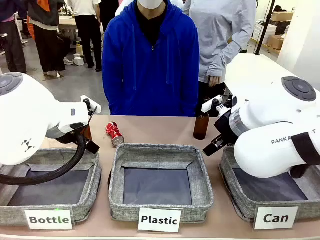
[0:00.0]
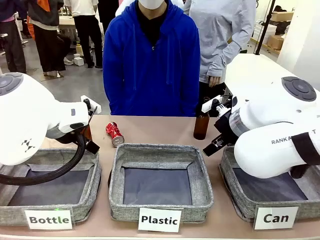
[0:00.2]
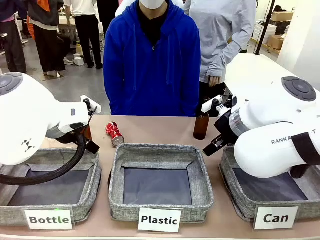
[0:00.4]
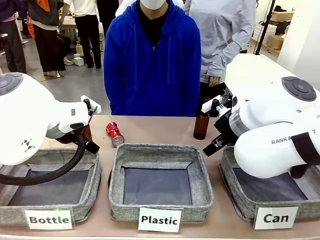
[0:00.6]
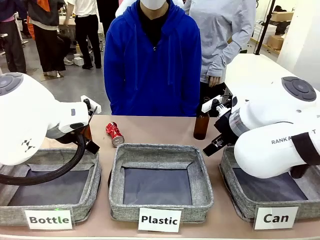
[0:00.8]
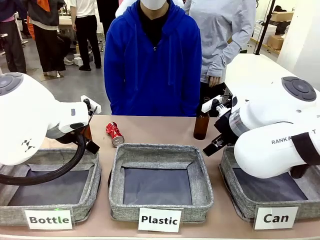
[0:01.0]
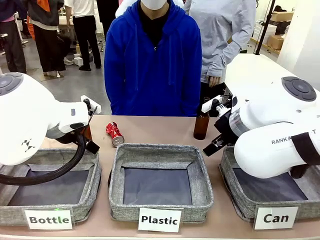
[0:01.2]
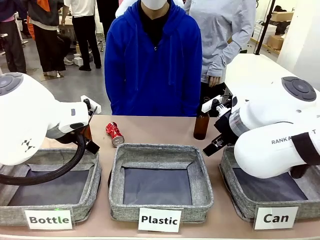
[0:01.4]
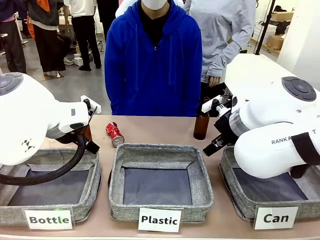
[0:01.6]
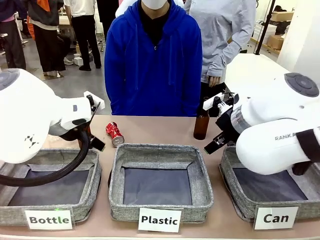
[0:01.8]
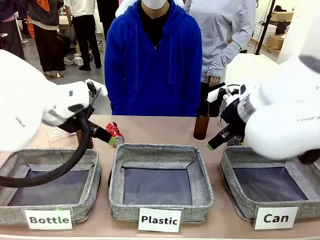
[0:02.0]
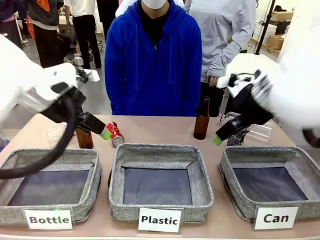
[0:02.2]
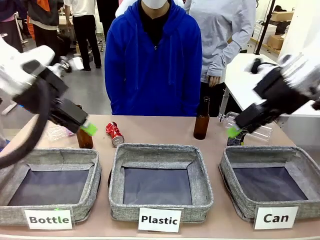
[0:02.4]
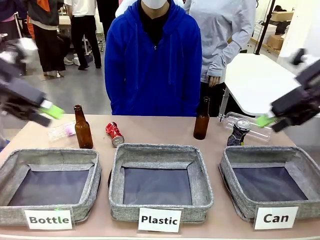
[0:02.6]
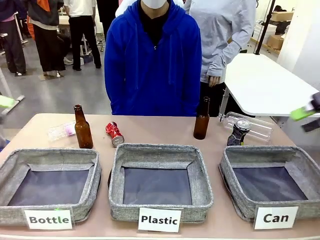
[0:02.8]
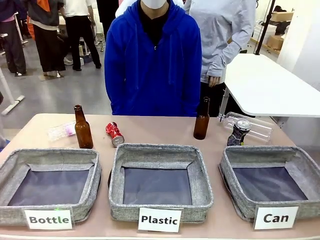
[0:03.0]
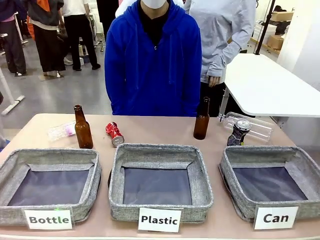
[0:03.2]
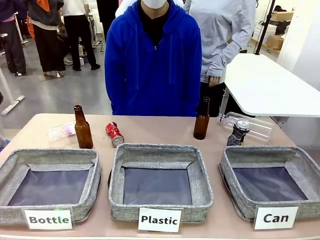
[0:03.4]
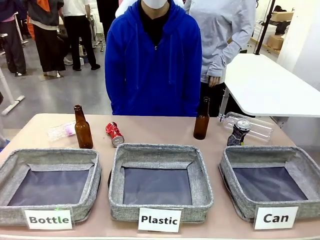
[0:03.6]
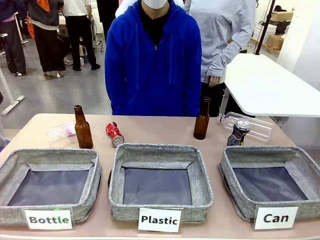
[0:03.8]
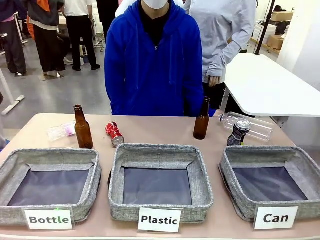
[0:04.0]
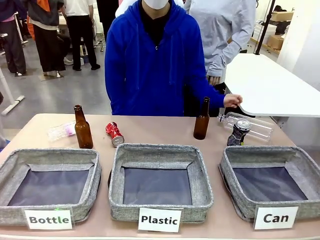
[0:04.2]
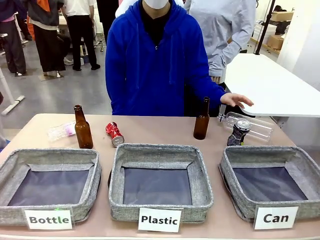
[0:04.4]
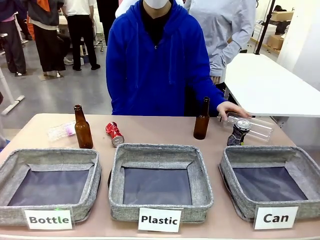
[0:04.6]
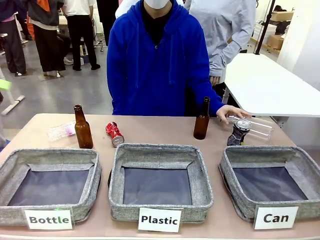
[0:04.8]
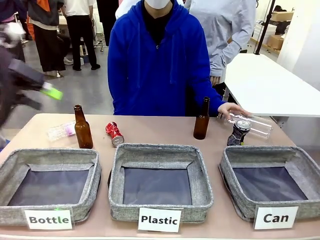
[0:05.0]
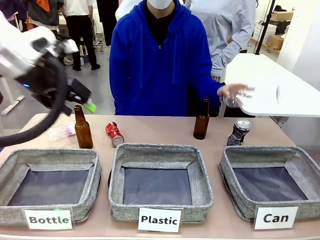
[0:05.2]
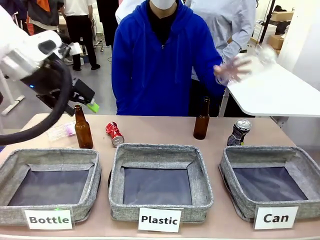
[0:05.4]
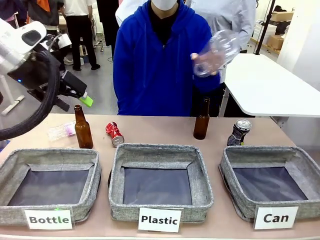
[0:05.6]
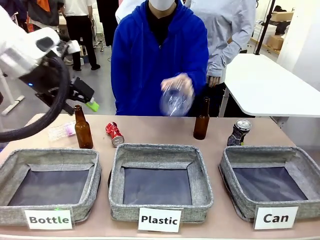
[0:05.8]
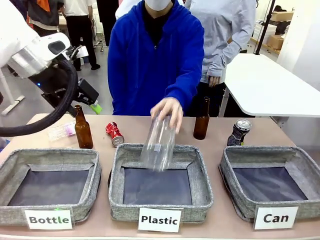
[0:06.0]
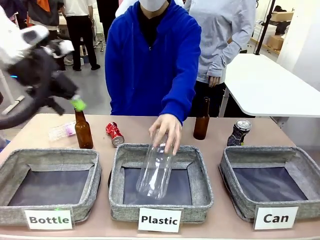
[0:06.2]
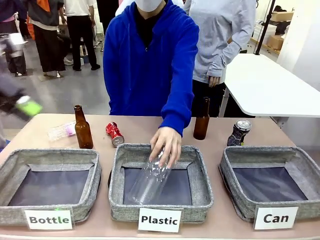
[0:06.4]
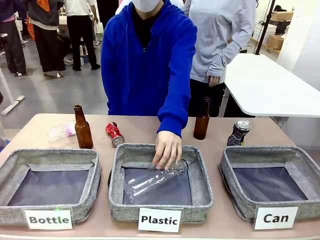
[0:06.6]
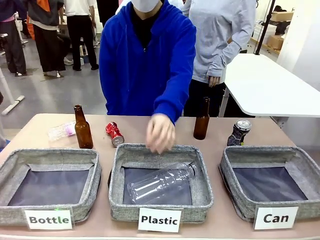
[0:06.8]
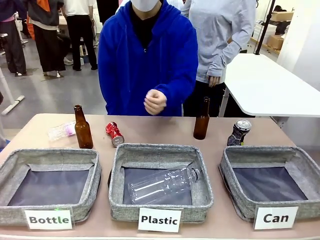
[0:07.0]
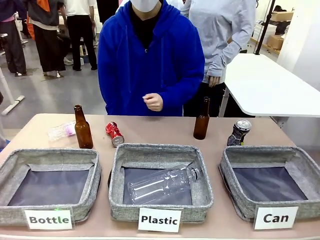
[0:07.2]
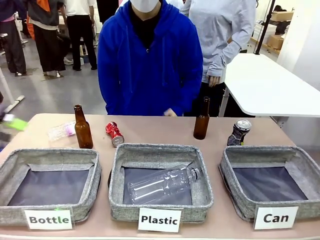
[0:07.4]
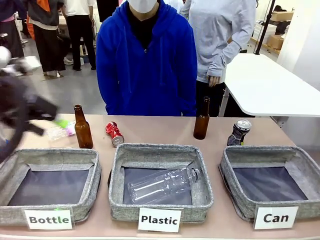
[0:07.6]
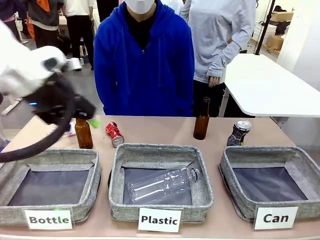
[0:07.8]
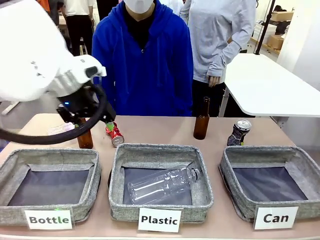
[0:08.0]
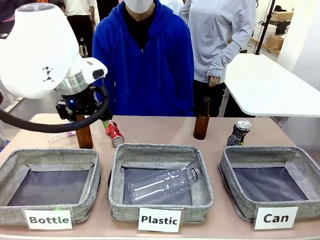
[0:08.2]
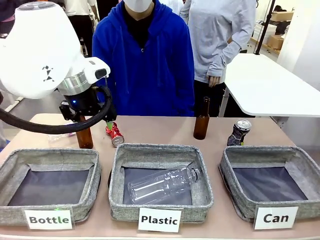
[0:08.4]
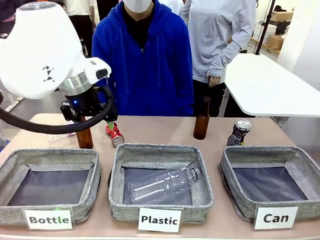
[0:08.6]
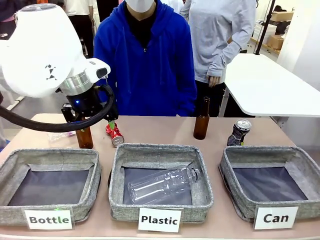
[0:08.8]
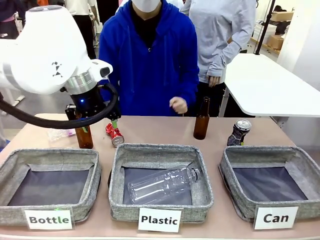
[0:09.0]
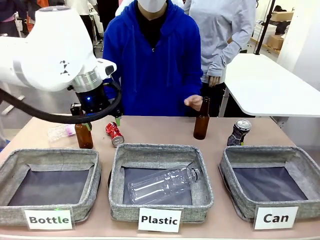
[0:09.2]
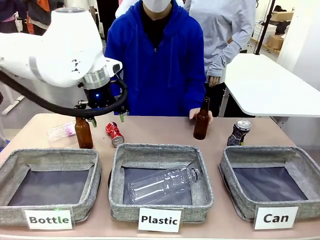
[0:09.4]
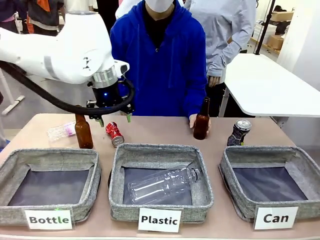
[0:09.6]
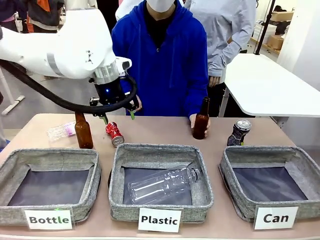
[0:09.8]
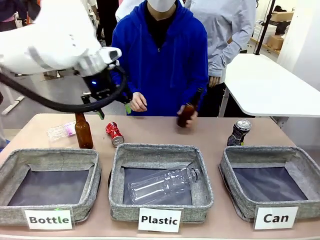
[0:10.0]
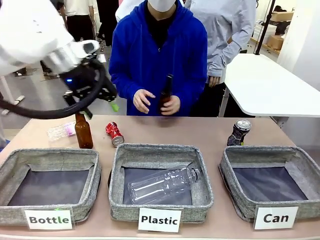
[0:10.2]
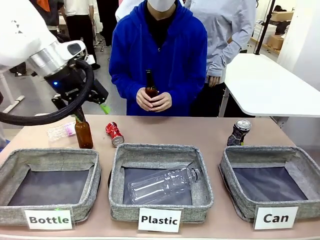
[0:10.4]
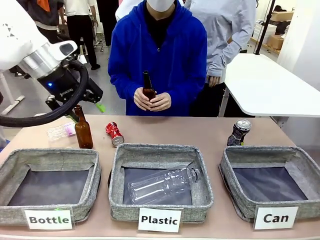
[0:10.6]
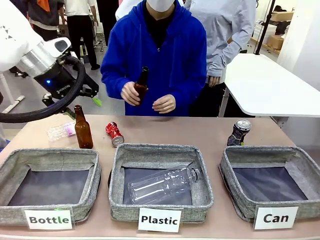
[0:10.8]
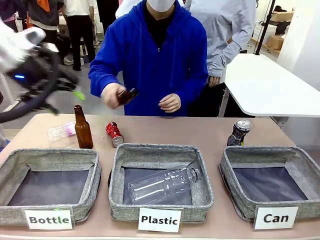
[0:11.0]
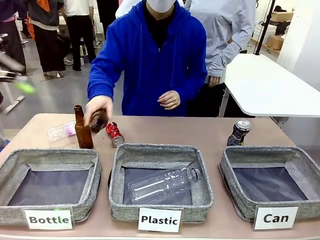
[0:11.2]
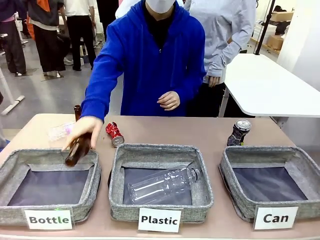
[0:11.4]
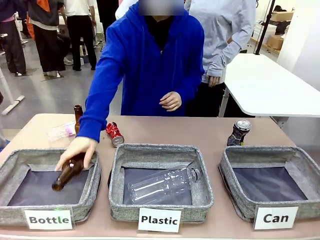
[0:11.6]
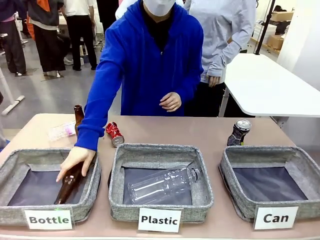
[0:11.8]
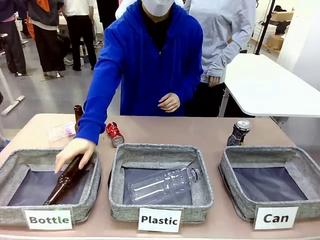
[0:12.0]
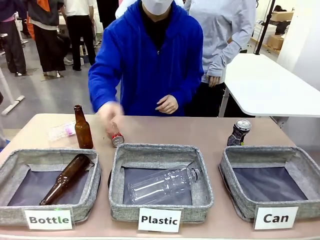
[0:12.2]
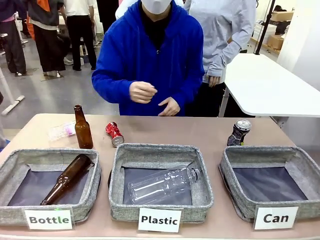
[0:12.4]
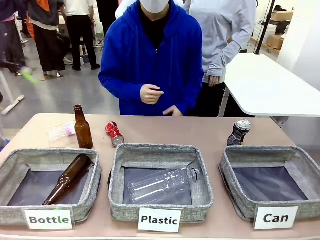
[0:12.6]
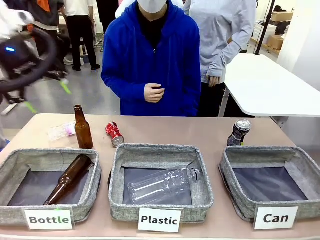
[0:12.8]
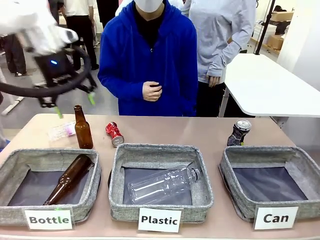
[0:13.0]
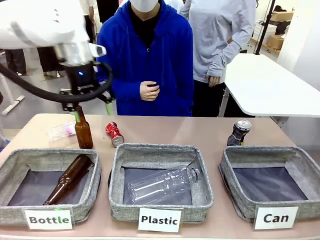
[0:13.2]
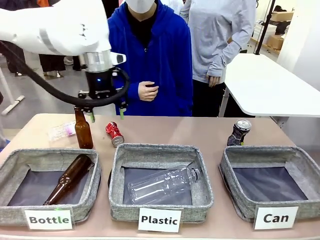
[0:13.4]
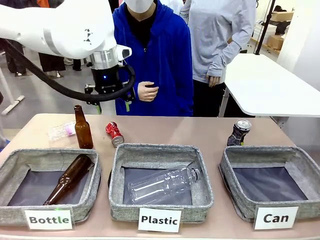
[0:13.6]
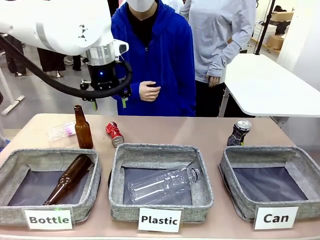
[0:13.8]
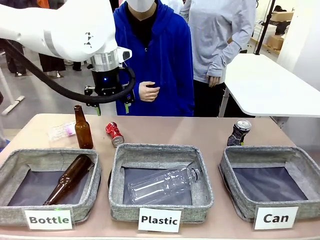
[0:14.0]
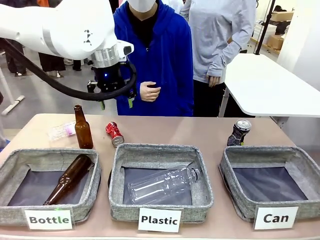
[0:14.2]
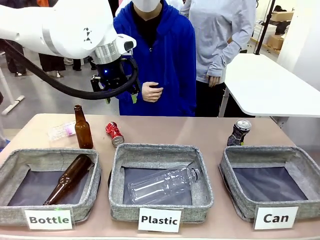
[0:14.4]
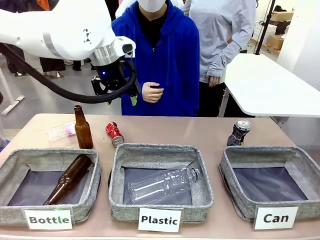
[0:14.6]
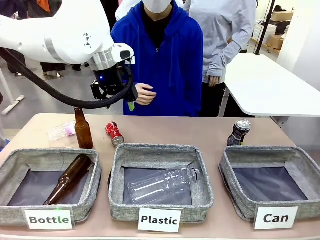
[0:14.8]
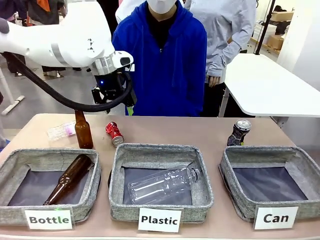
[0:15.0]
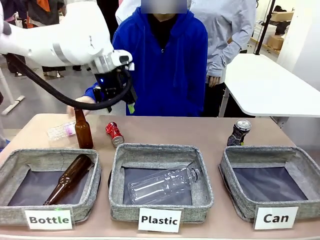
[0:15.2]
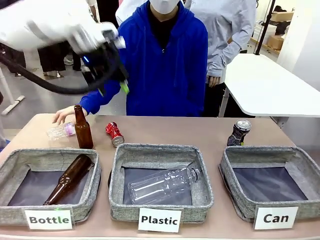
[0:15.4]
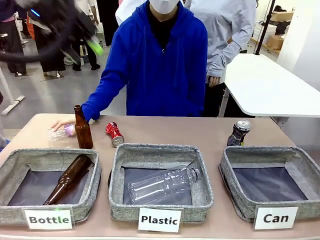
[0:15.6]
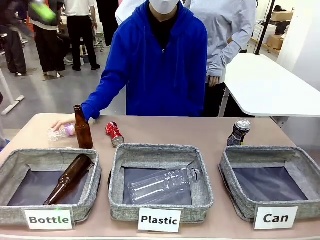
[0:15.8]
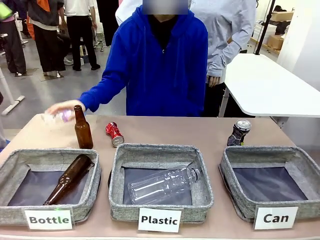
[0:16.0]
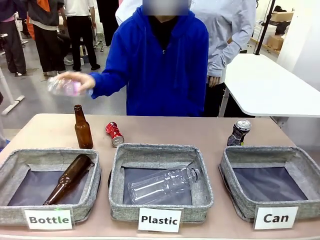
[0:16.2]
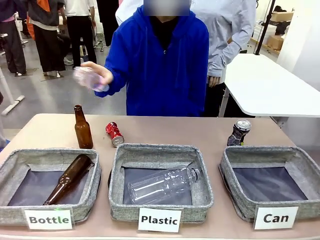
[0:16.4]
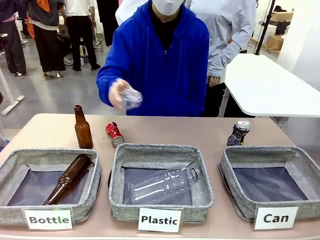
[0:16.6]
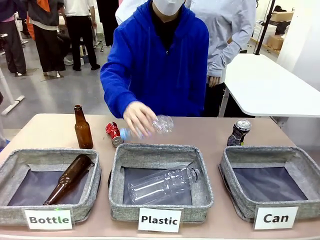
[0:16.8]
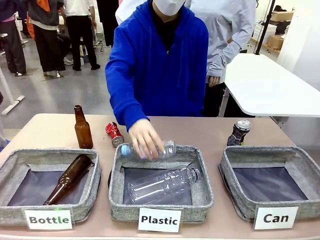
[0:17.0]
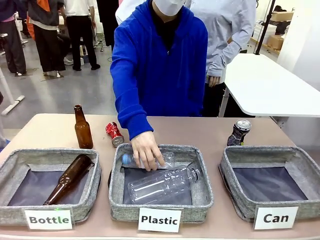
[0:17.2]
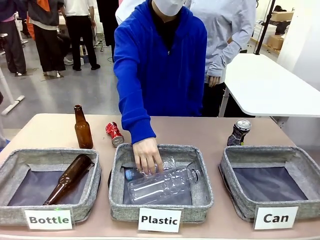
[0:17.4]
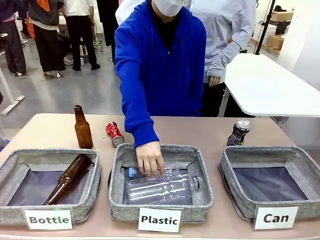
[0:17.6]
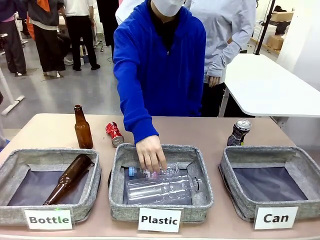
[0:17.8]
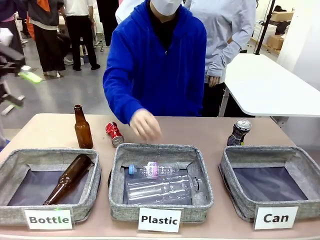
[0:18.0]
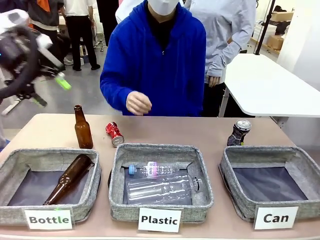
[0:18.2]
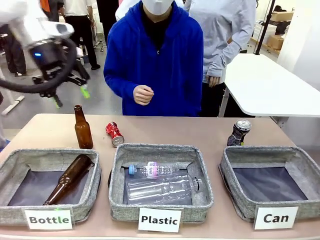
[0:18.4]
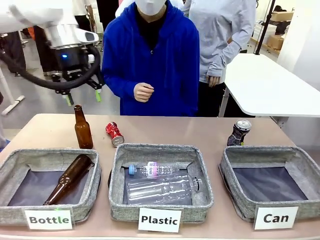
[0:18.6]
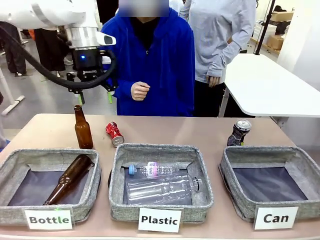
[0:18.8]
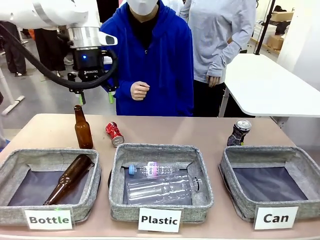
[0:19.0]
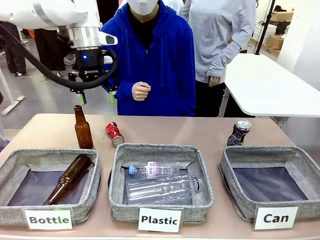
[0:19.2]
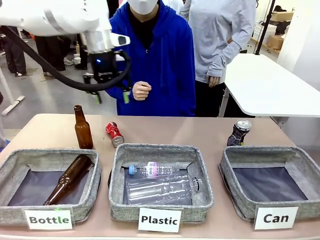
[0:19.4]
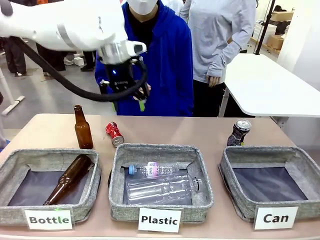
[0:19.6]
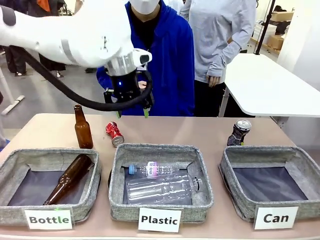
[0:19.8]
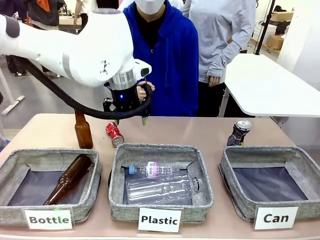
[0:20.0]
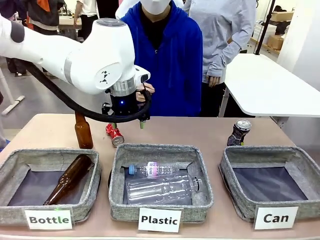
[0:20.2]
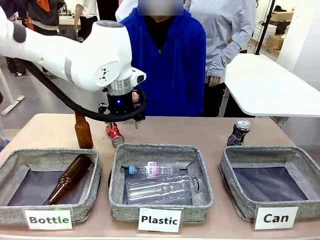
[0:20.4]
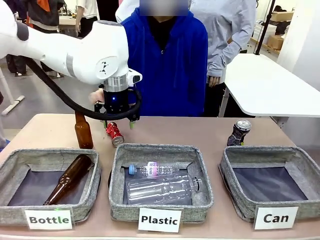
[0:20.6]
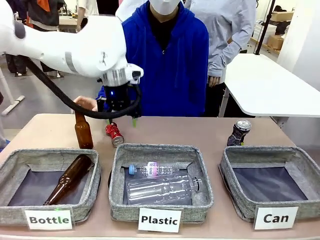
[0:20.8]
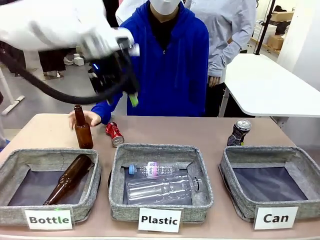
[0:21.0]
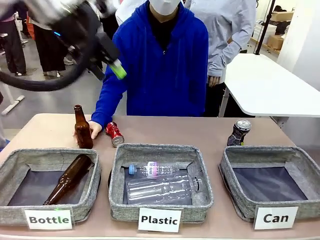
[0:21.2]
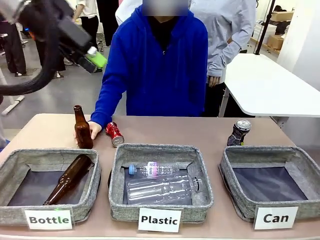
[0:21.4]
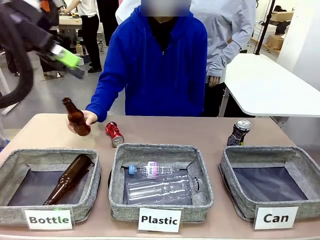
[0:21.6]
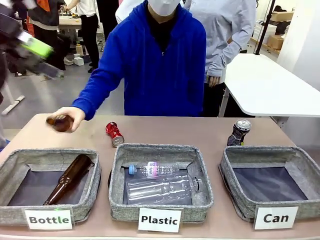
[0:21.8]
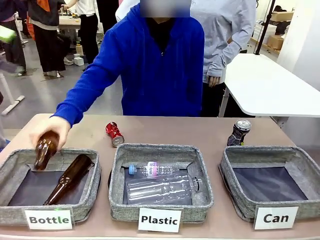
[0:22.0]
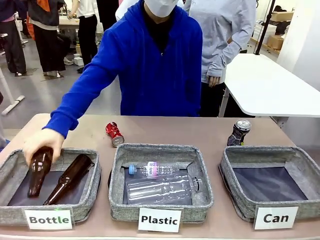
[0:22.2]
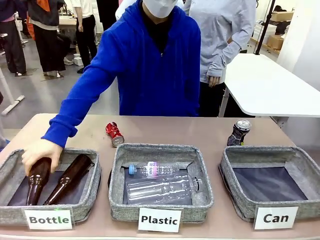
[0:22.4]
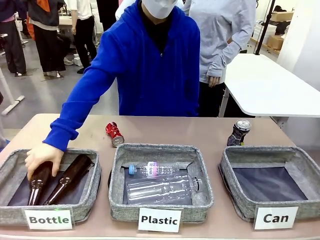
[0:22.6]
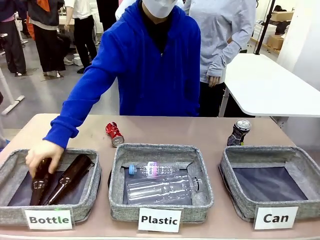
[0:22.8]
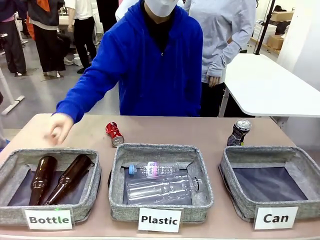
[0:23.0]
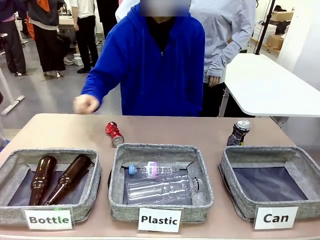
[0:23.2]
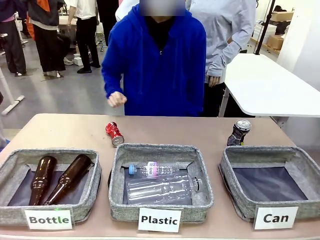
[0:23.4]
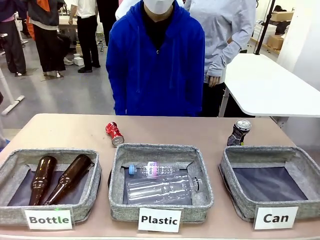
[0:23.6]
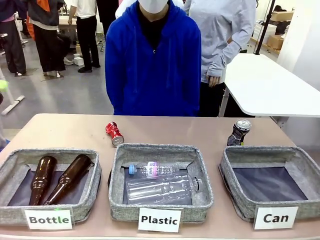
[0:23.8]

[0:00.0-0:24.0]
Task: Sort the can waste into the basket.
Robot: Pick up the can waste from the table and place it in the right Fabric basket.
